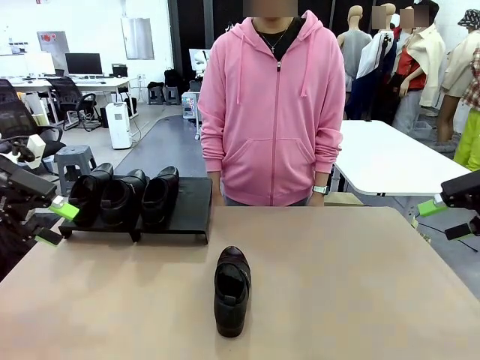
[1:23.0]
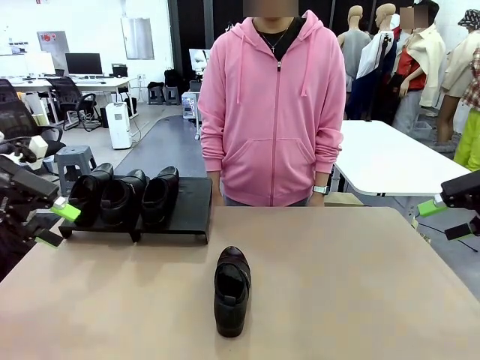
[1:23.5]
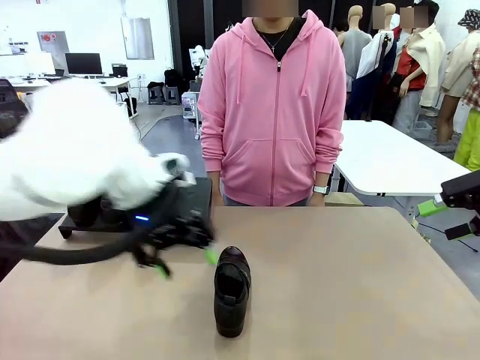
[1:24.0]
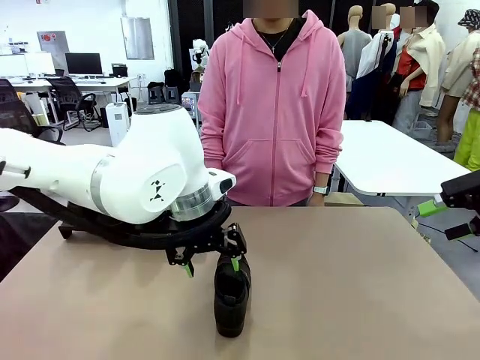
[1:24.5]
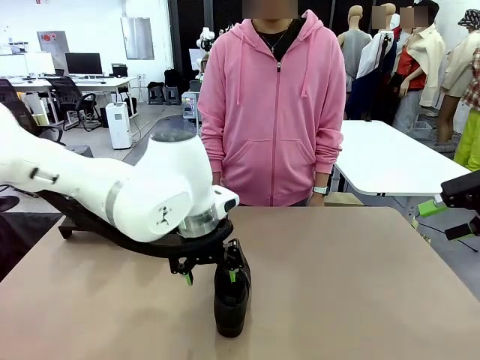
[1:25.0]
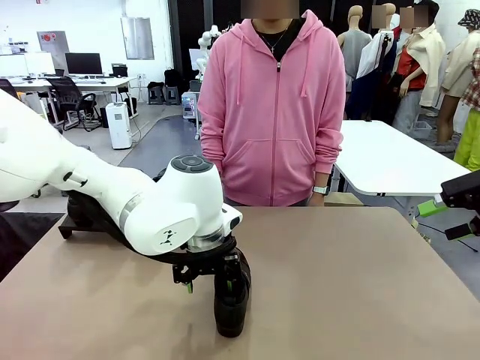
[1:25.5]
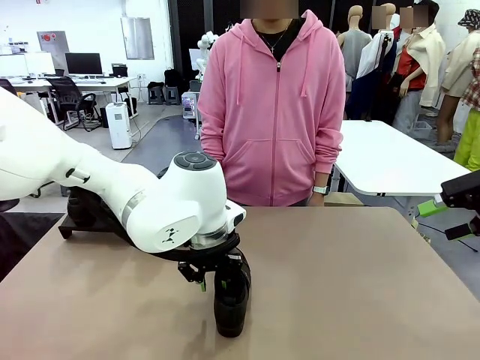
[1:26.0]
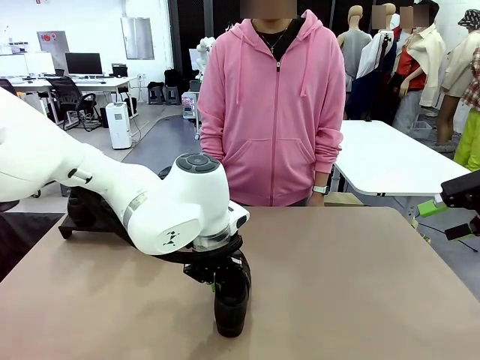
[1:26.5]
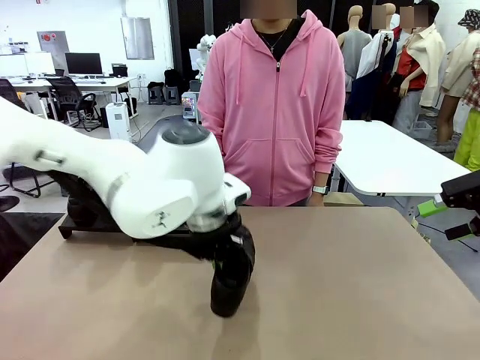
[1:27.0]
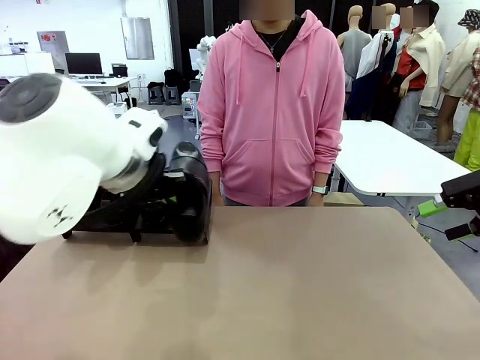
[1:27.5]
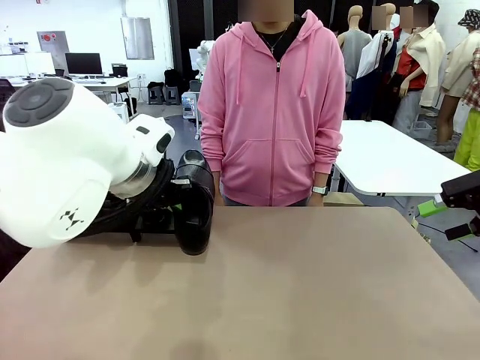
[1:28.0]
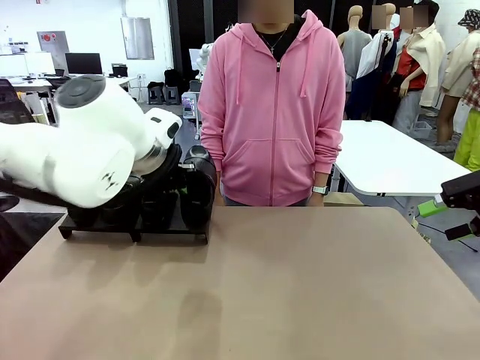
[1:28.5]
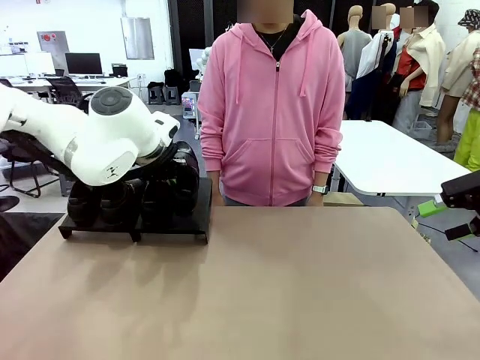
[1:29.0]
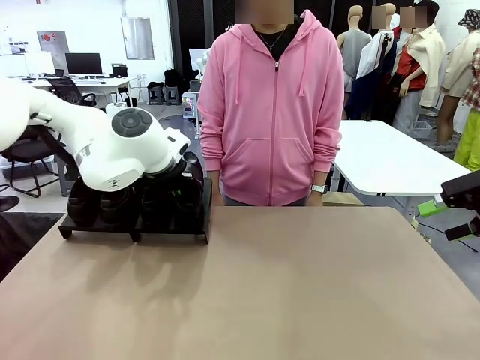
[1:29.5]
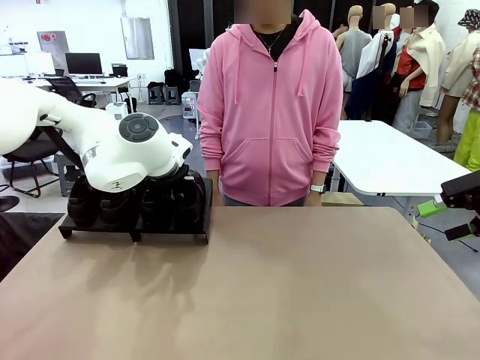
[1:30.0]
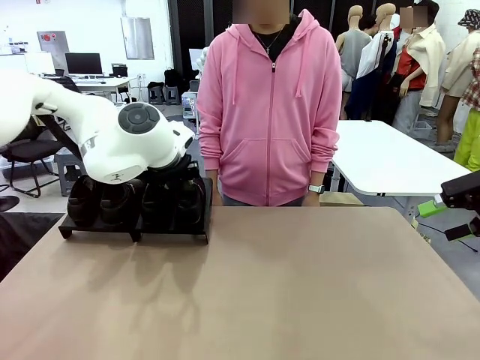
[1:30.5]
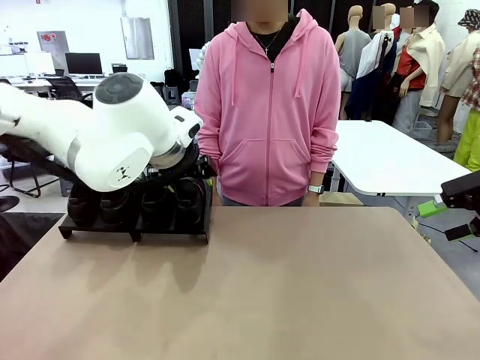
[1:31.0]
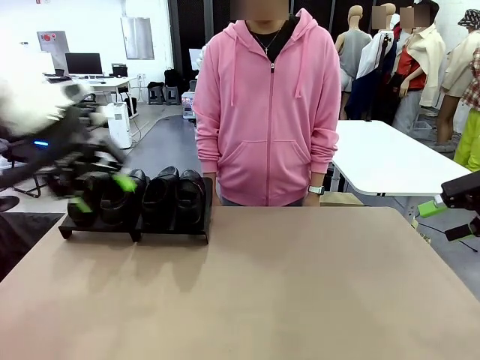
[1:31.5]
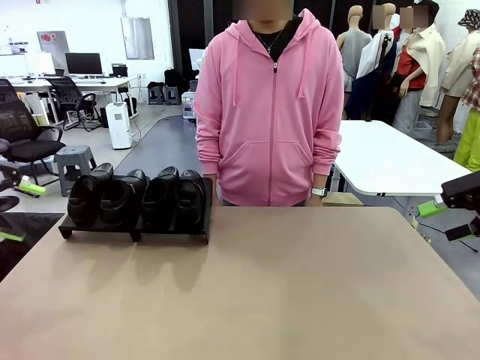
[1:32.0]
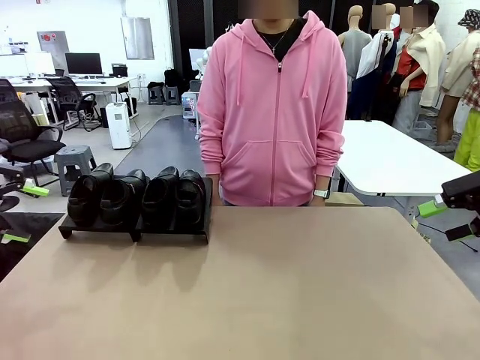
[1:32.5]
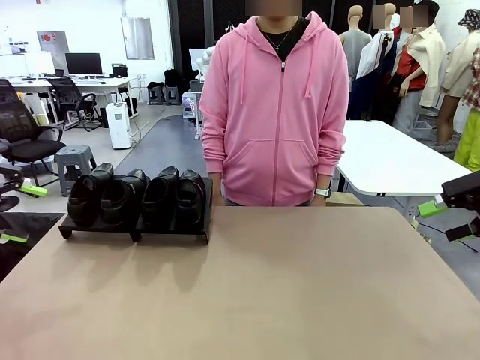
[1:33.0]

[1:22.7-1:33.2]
Task: Organize the shoes by placing them on the stand.
Robot: Place the Shoe from the middle of the table onto the Shoes Stand.

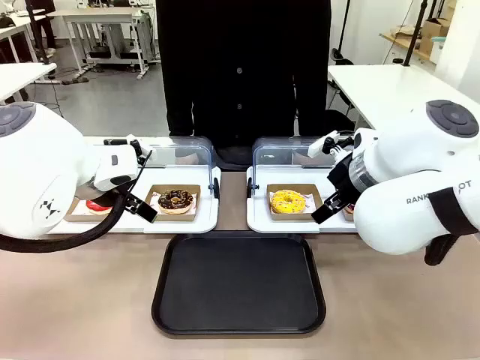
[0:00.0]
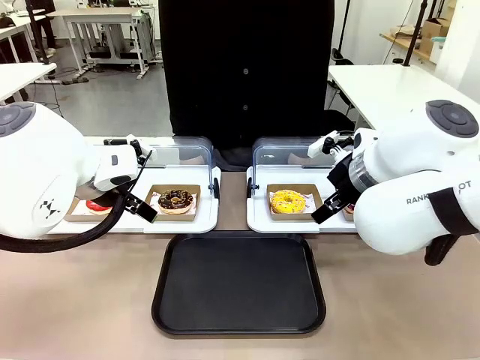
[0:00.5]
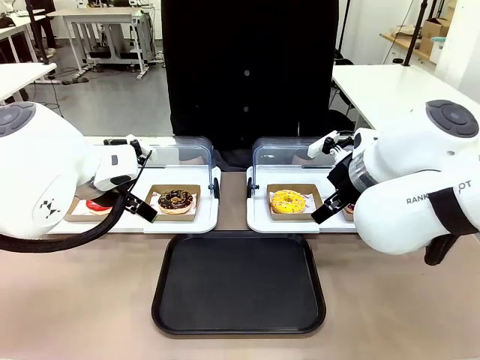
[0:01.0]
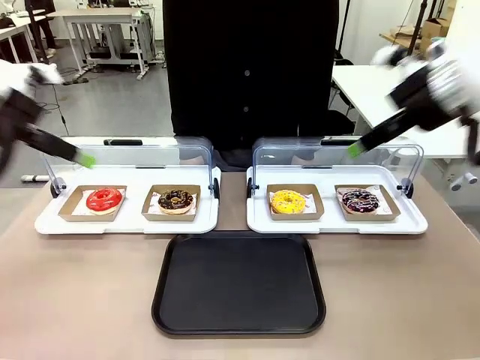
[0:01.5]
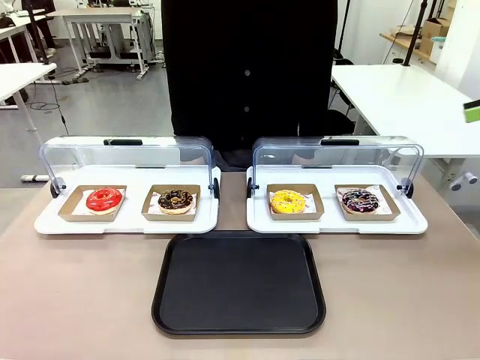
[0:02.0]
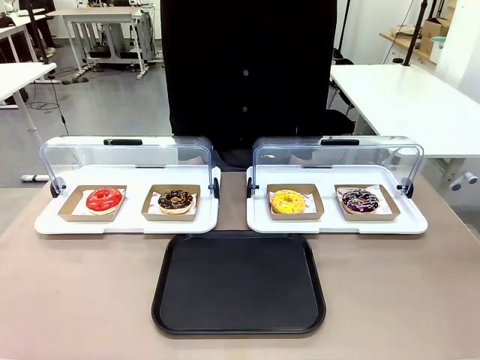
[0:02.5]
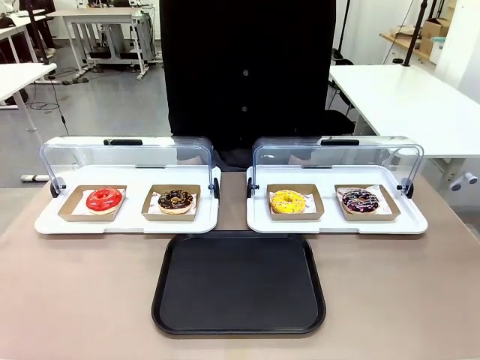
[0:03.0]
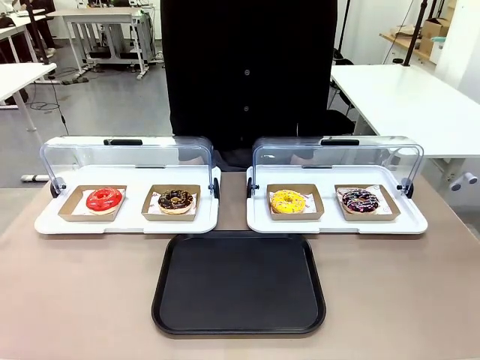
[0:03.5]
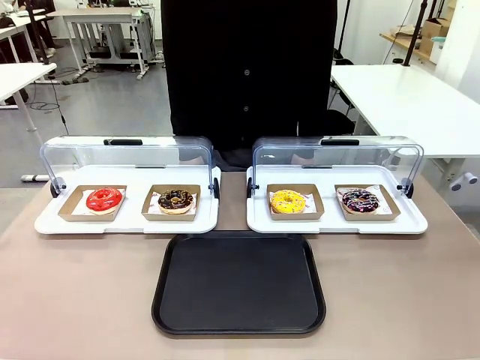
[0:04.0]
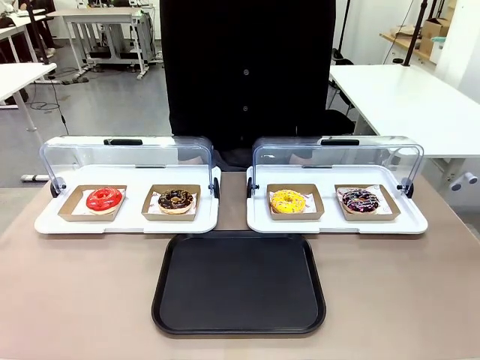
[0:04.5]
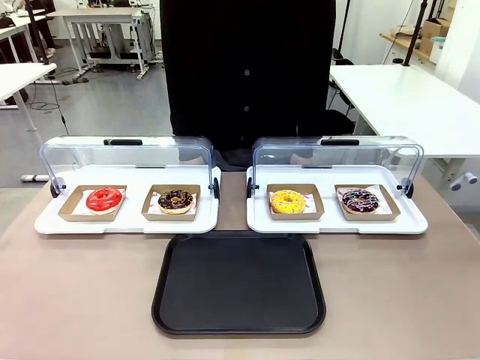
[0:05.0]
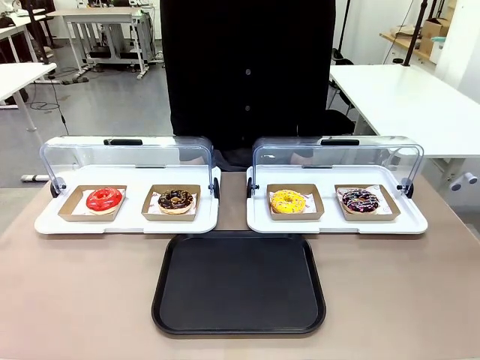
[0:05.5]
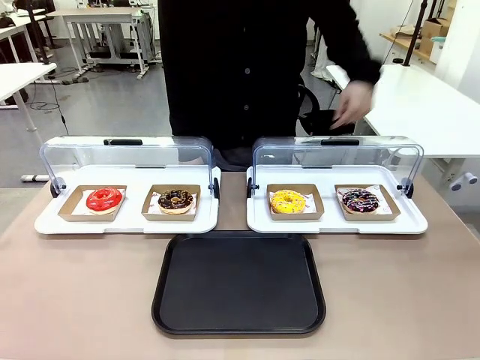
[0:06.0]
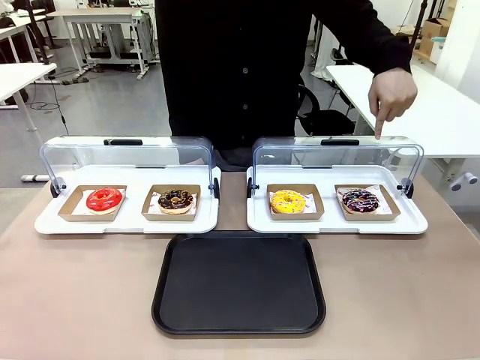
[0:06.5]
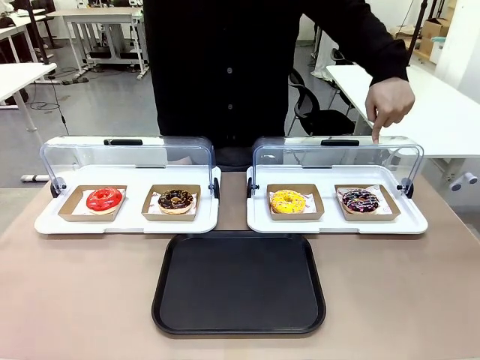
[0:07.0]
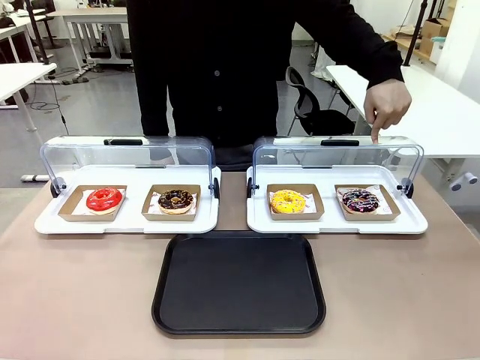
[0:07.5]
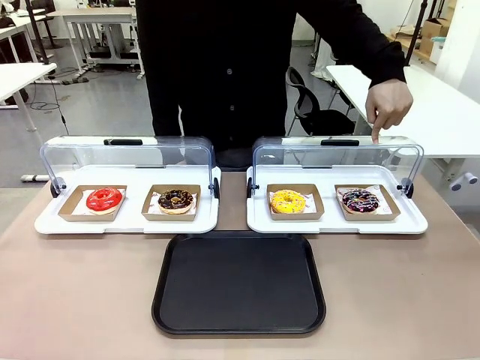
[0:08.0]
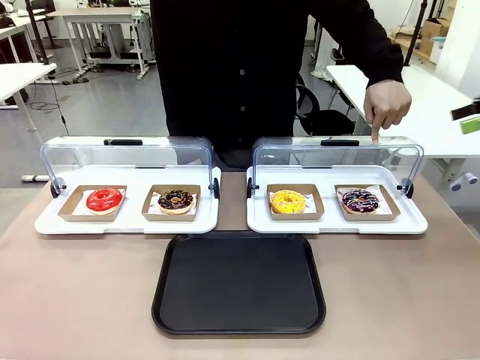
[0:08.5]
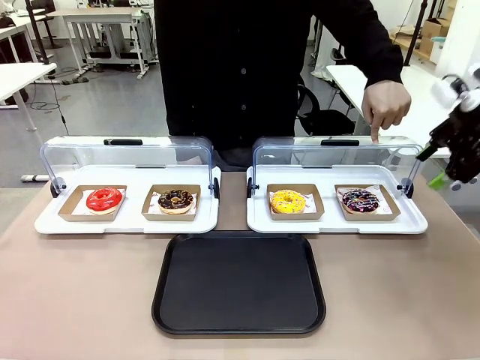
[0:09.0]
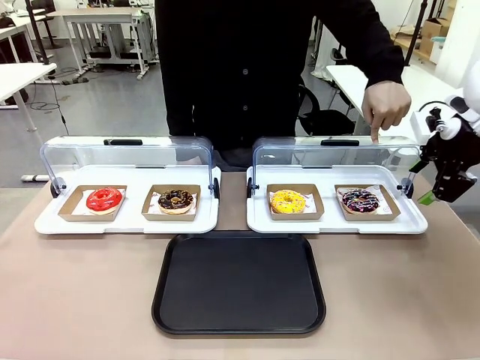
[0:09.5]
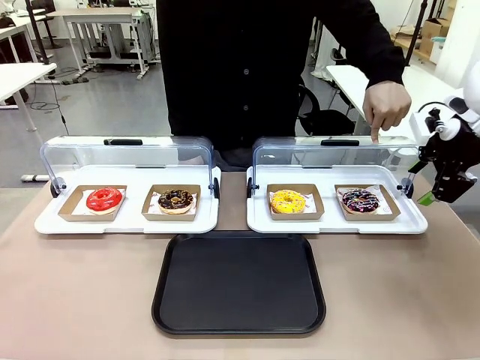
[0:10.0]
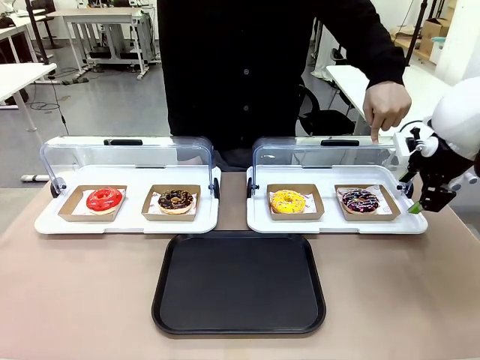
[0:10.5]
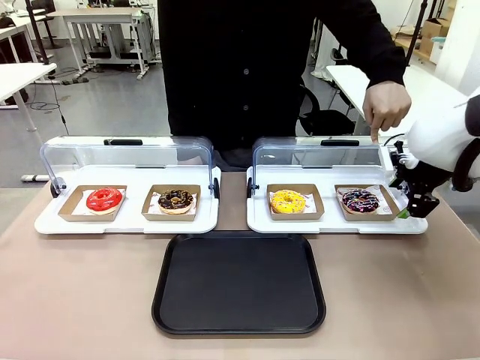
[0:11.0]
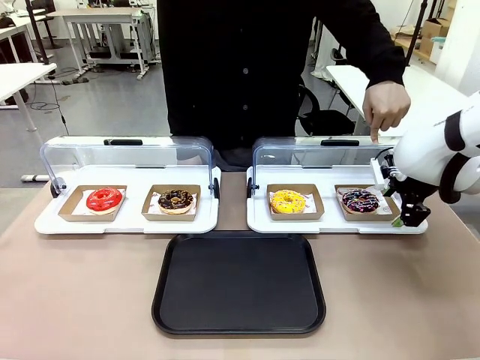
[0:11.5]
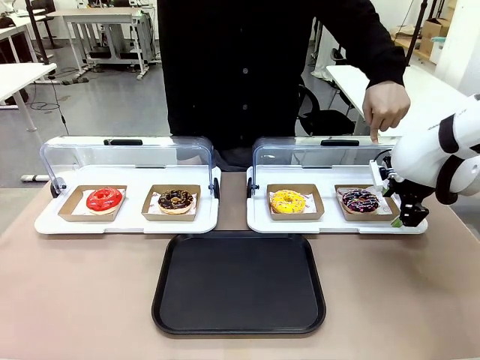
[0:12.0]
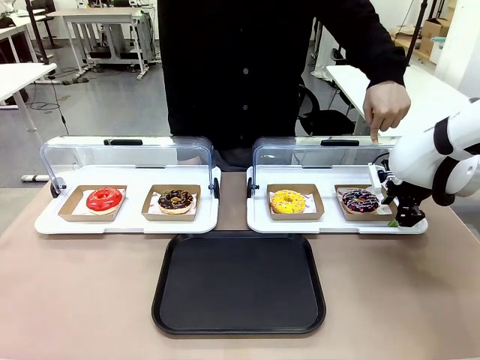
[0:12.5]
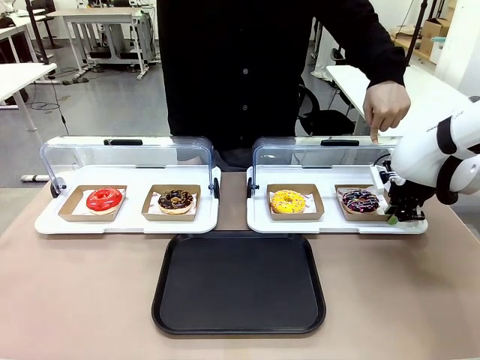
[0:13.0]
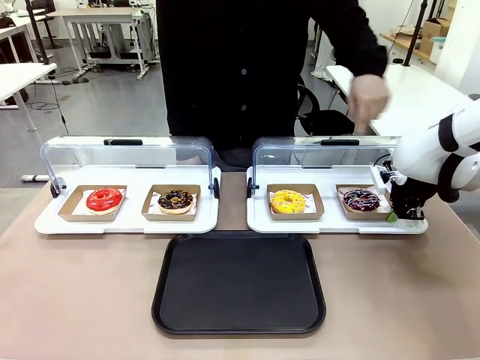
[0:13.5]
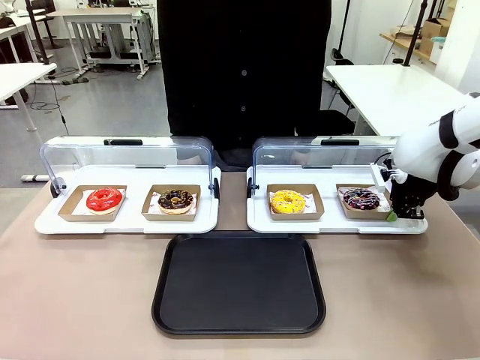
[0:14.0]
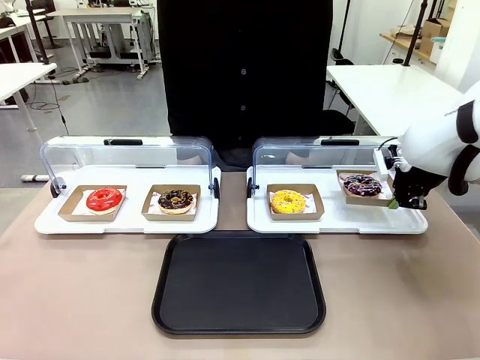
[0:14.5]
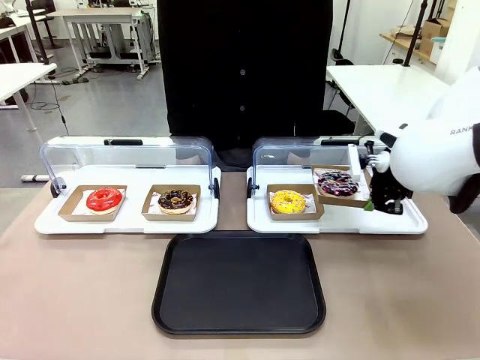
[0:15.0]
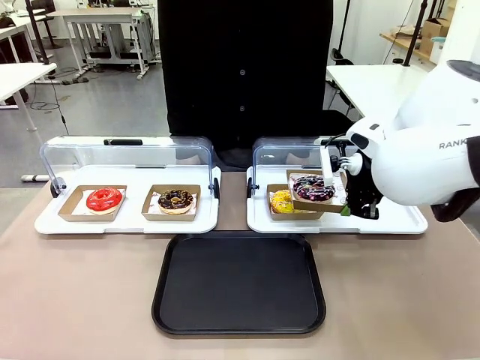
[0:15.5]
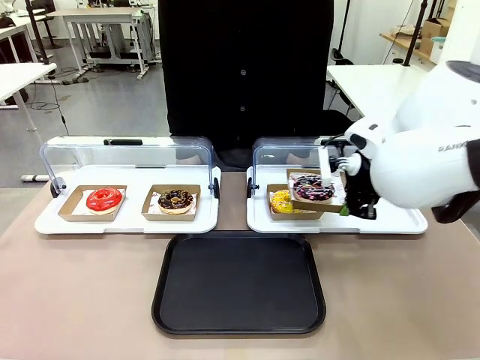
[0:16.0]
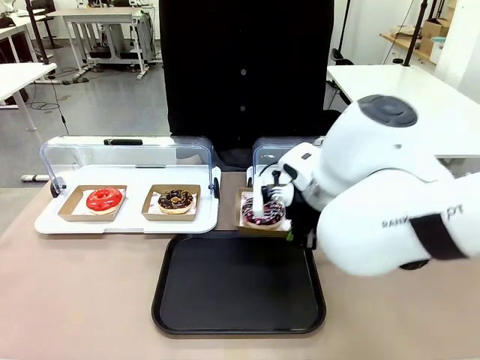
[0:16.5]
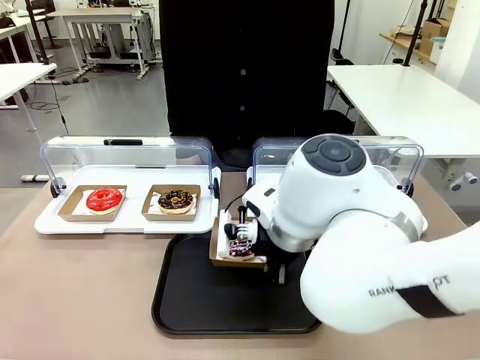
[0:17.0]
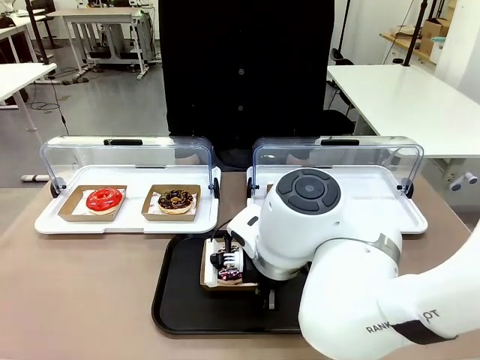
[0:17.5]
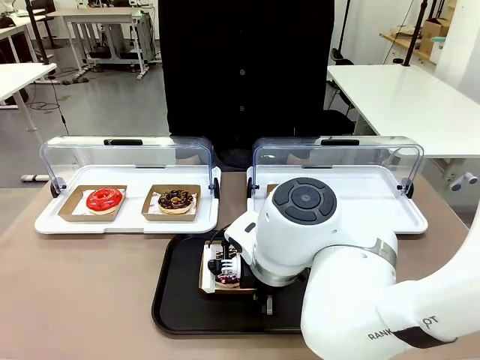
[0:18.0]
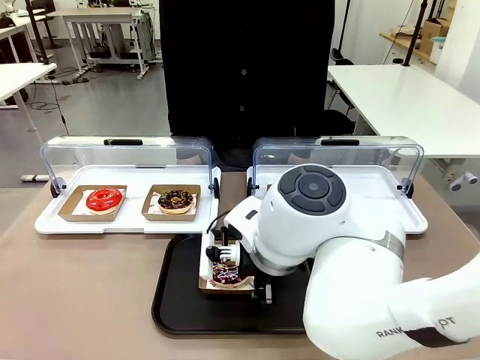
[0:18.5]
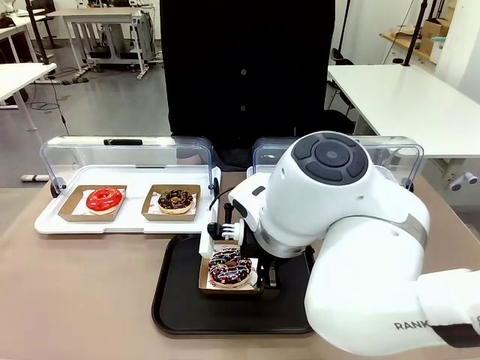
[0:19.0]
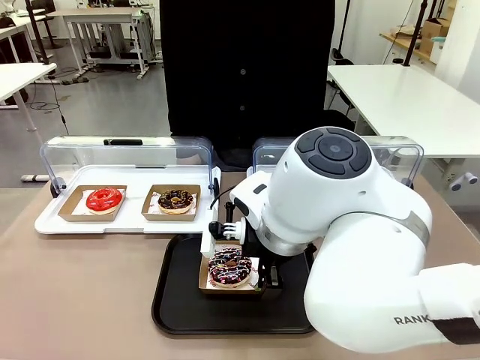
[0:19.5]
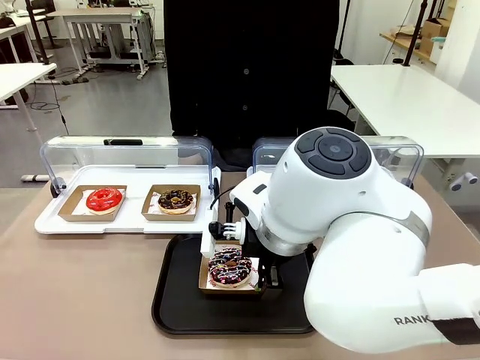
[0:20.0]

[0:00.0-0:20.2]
Task: Move the fourth donut from the left to the tray.
Robot: Pick up the Paper togo box containing the Donut indicated by the person and place it on the Handle tray.
Person: Points to the fourth donut from the left from the robot’s perspective.
